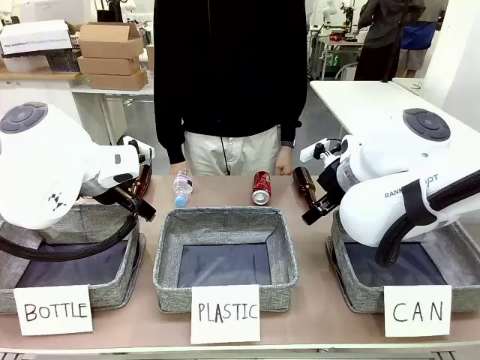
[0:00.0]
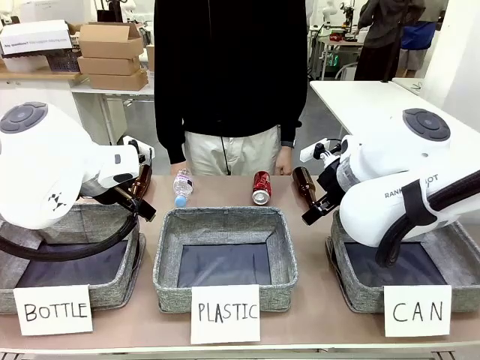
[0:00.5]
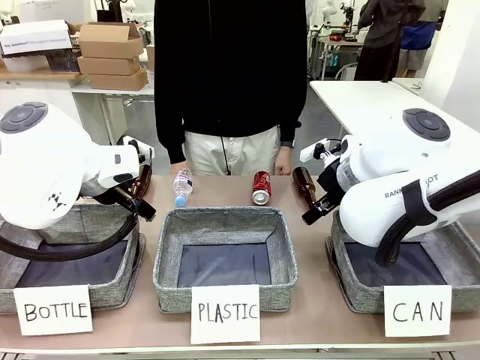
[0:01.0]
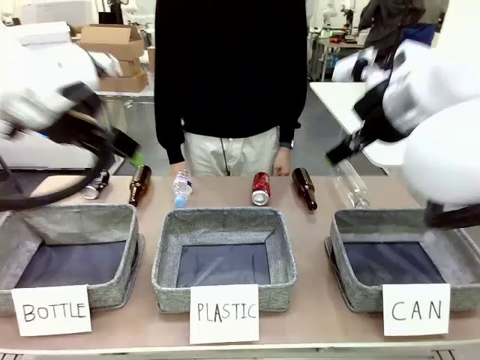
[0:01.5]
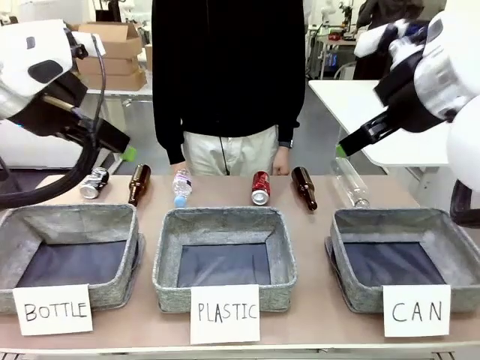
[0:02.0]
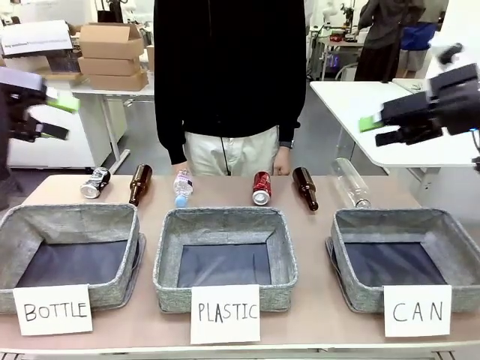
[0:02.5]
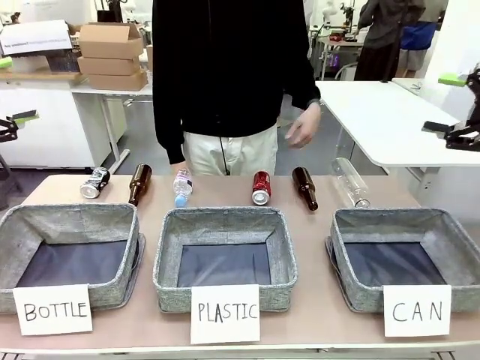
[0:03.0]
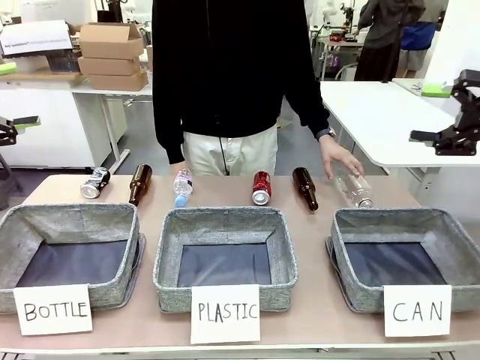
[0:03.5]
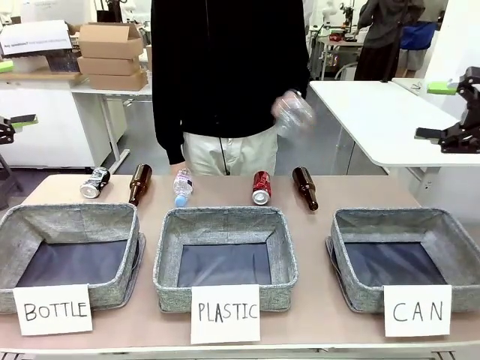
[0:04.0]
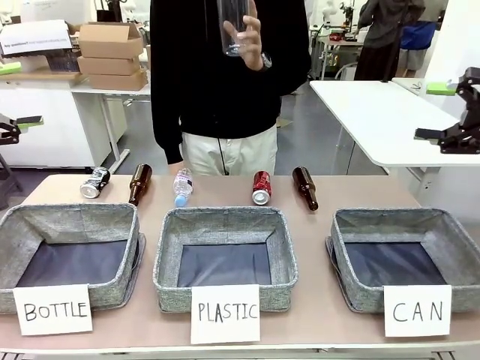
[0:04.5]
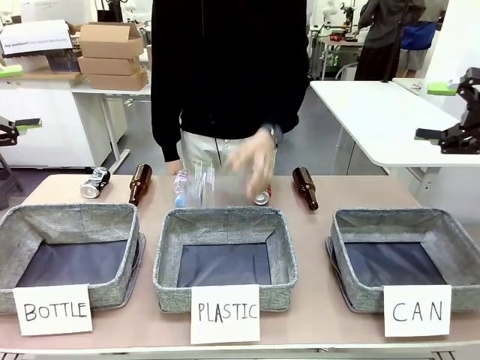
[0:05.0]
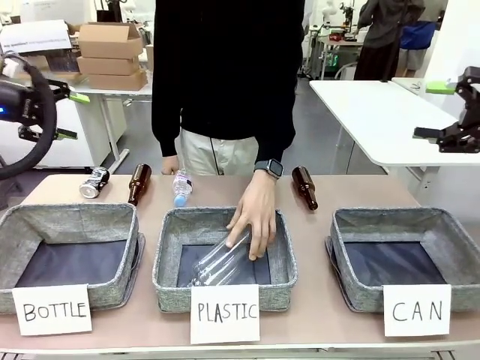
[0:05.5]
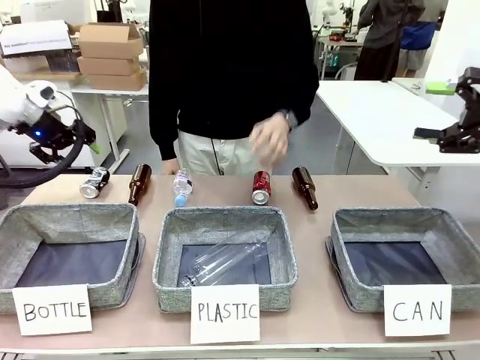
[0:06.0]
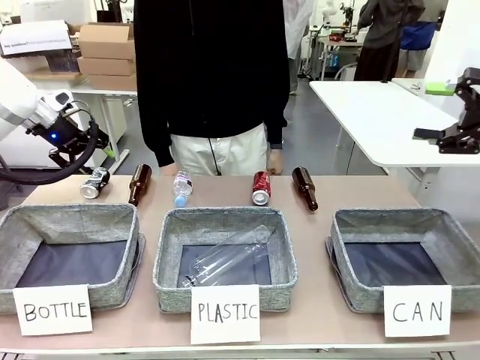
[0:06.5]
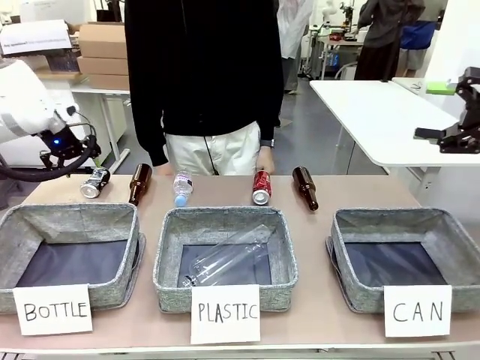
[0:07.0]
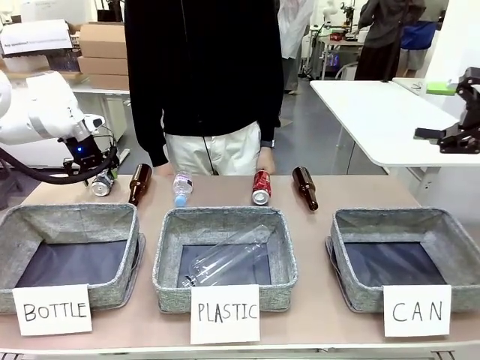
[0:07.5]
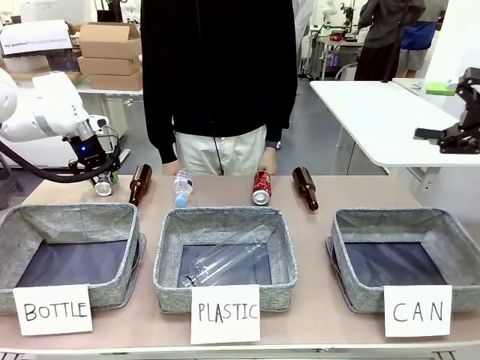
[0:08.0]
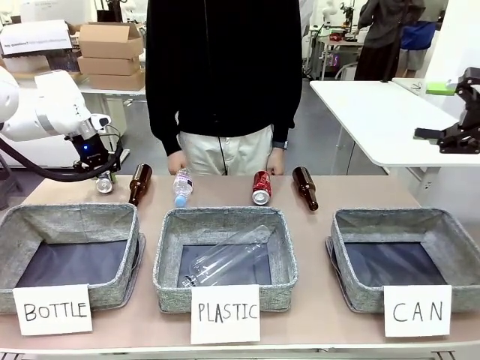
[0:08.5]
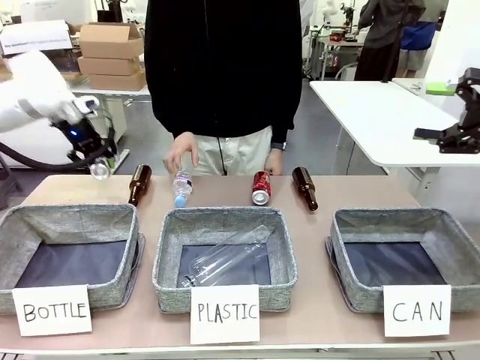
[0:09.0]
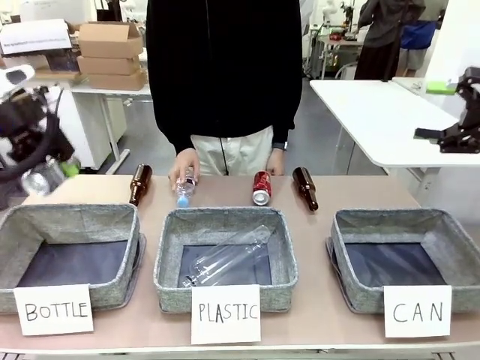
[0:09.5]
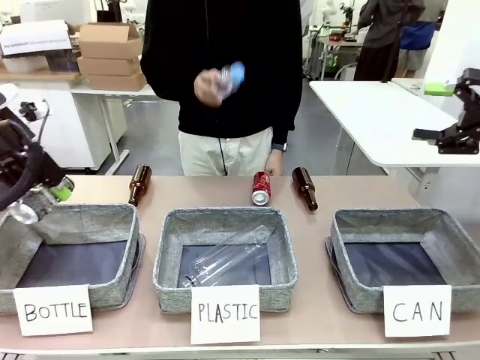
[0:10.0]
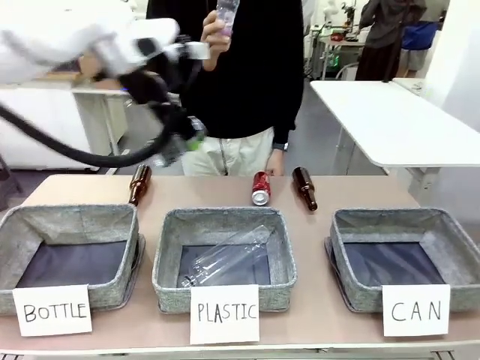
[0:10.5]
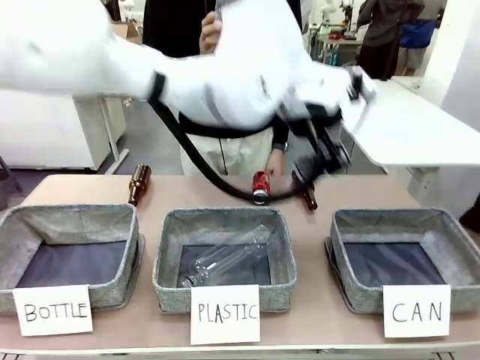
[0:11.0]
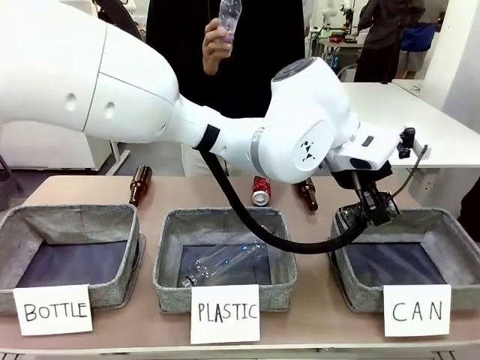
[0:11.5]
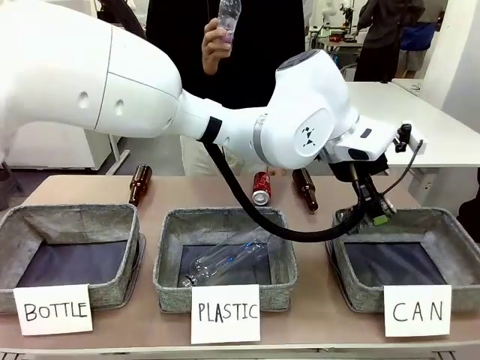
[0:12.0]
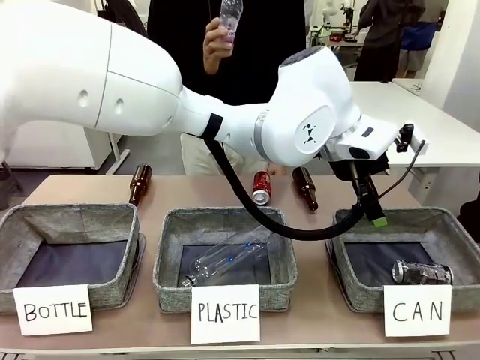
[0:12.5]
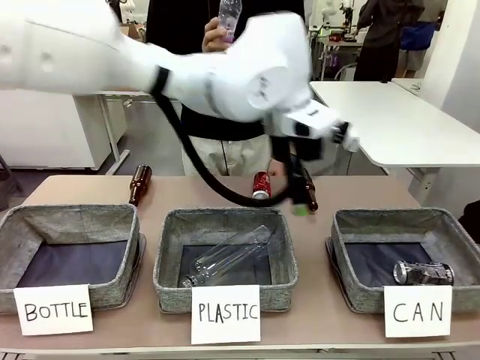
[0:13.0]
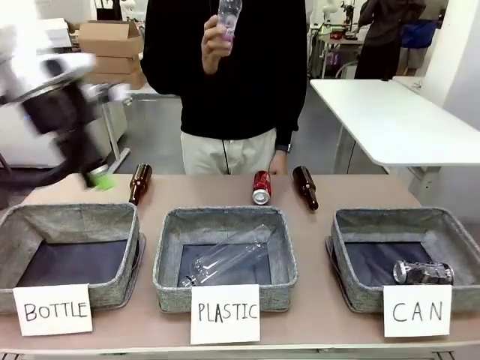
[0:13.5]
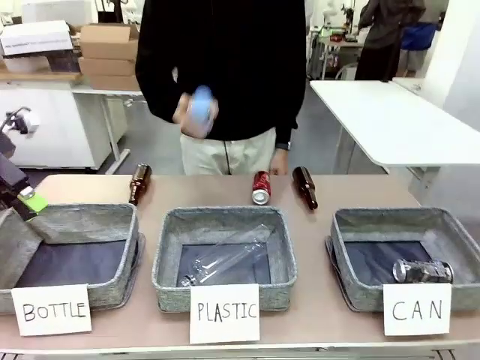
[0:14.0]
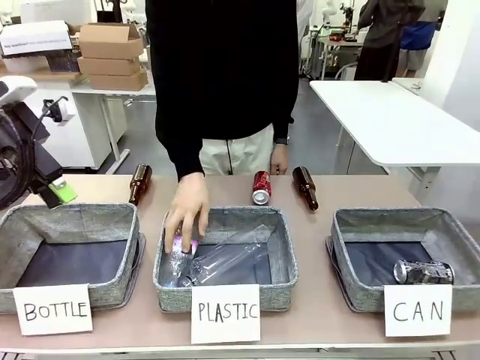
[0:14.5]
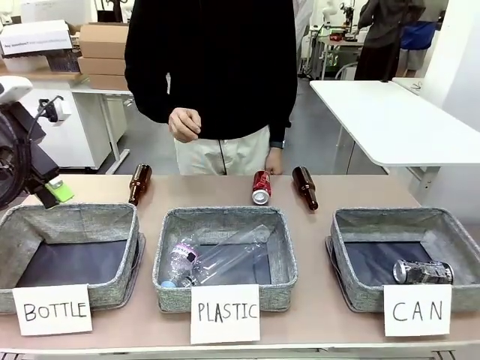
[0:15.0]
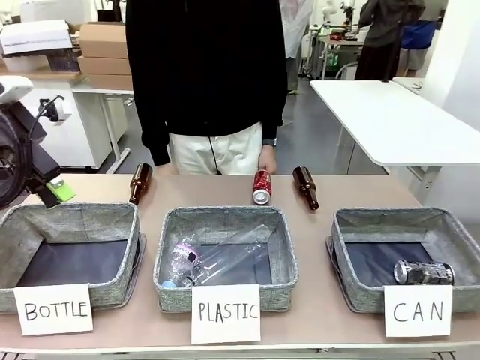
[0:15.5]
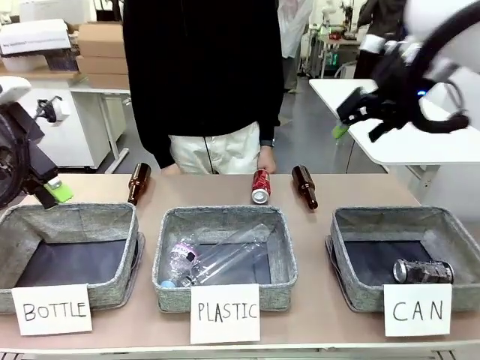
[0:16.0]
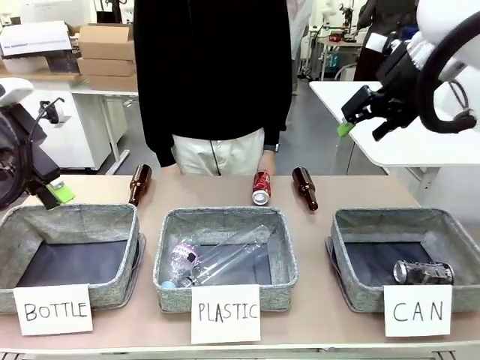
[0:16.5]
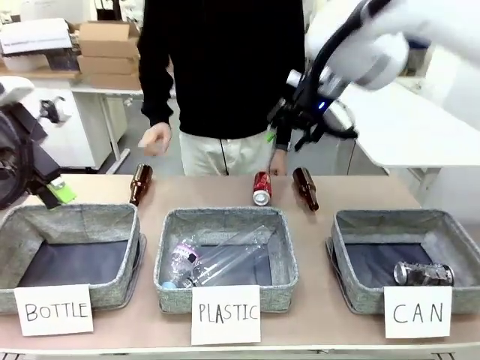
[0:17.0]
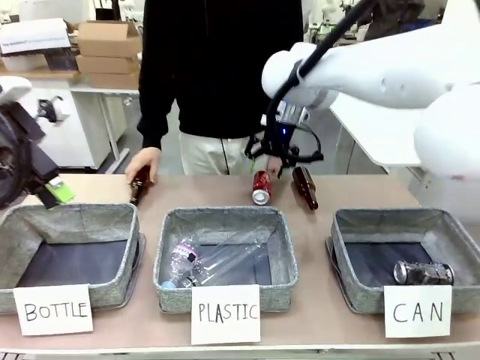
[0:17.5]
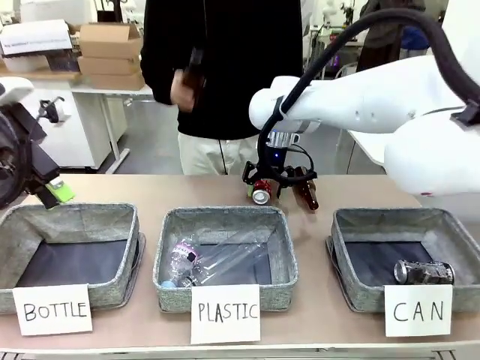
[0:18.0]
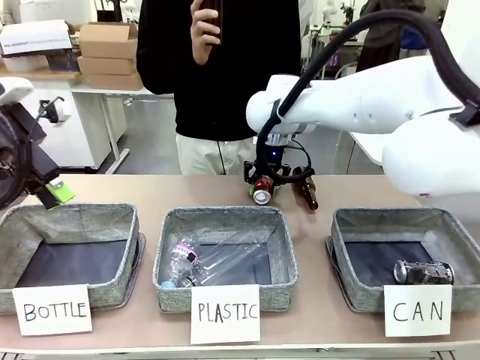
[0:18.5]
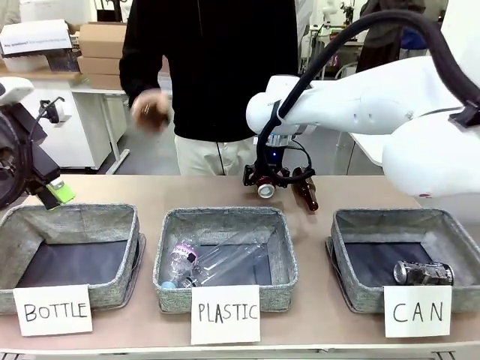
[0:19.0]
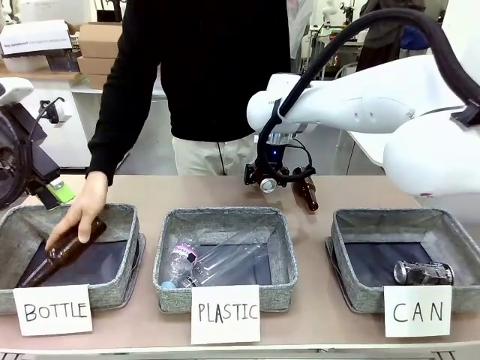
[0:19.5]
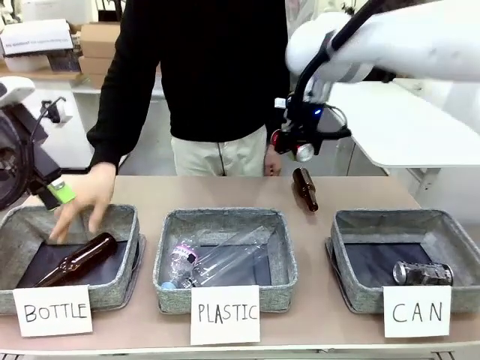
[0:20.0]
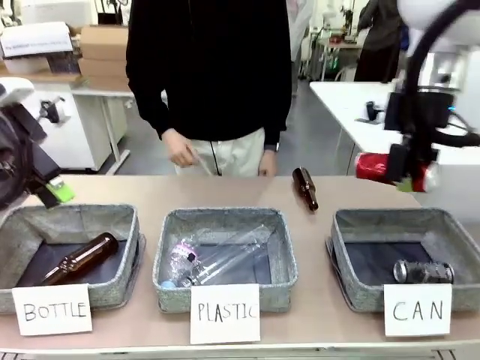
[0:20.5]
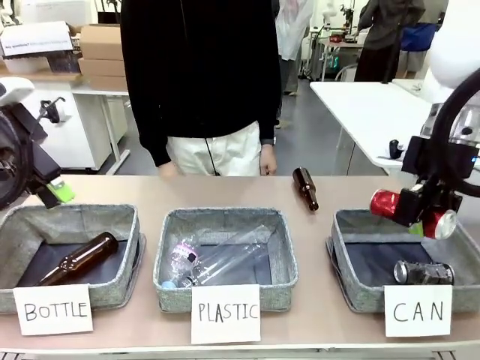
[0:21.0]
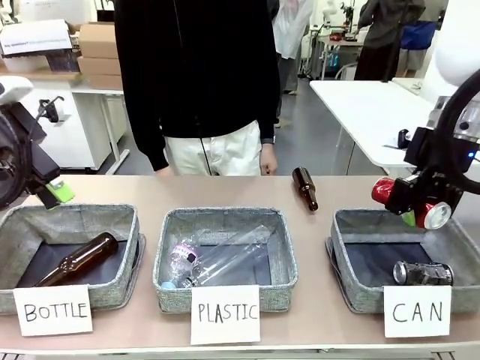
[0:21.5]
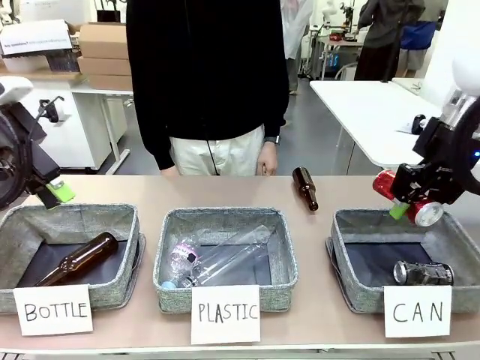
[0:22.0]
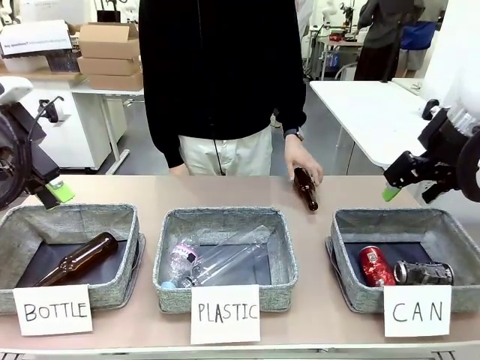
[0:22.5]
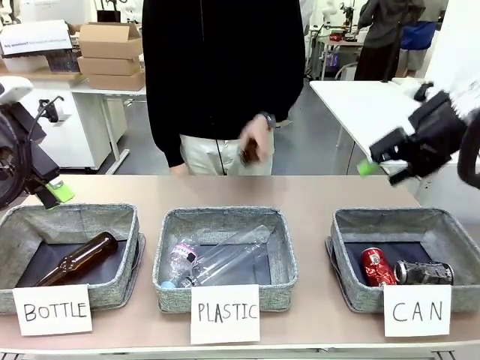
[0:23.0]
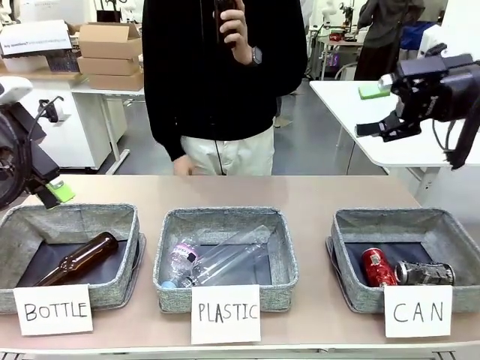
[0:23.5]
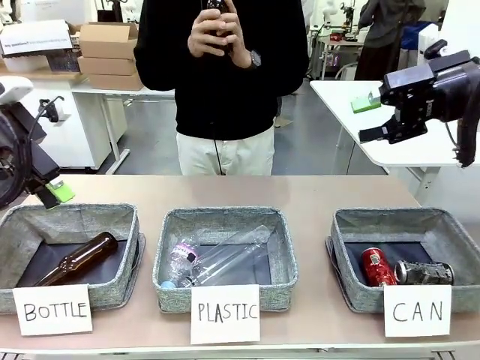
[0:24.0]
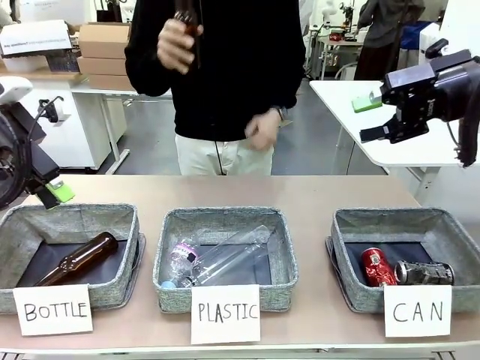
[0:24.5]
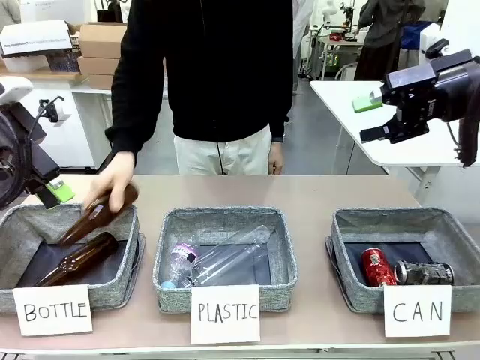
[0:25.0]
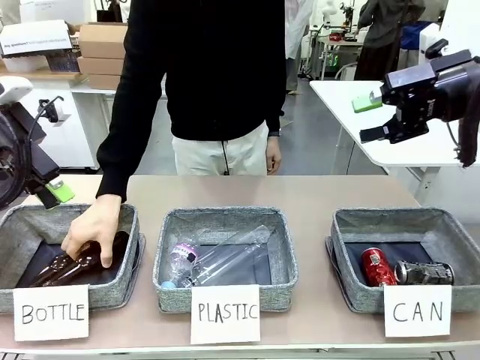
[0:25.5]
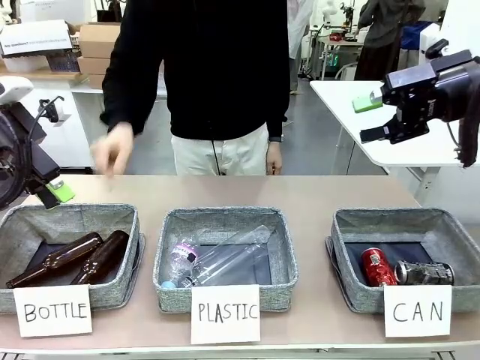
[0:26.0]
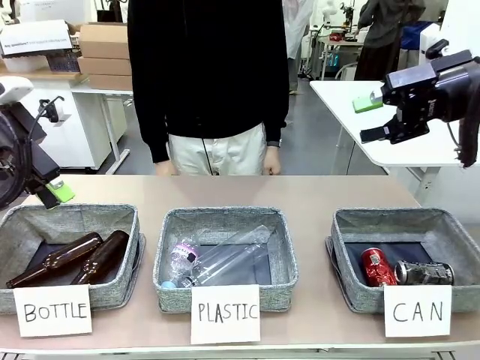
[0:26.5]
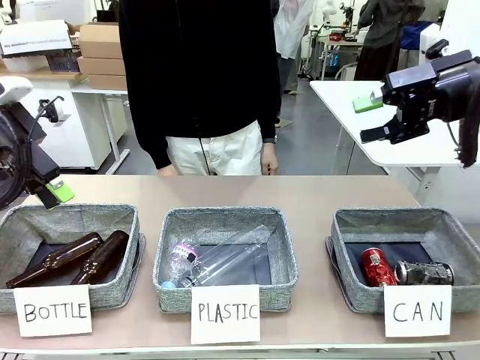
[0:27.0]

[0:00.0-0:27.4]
Task: Sort the can waste into the basket.
Robot: Pick up the can waste from the table and place it in the right Fabric basket.
Person: The human picks up one piece of trash that is not a can and places the trash into the appropriate organizing basket.
